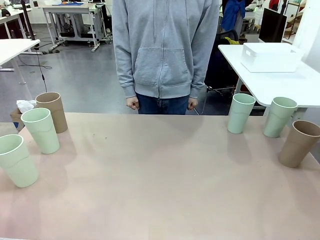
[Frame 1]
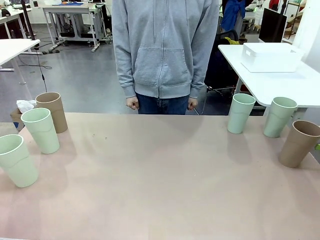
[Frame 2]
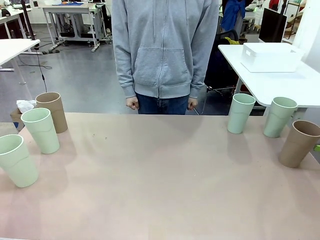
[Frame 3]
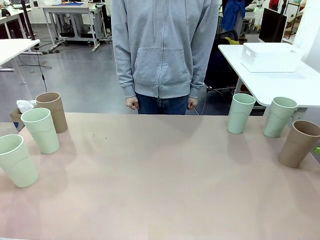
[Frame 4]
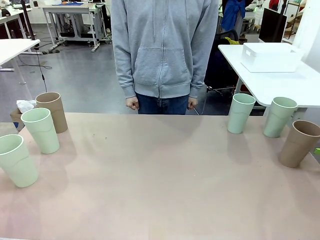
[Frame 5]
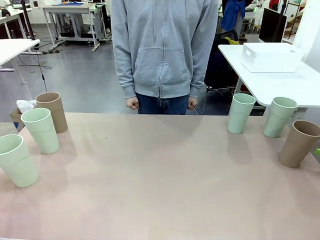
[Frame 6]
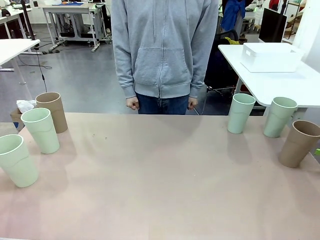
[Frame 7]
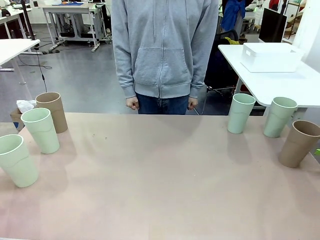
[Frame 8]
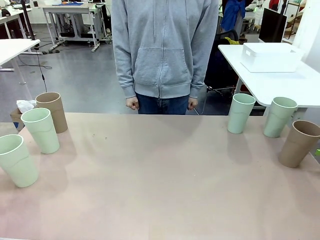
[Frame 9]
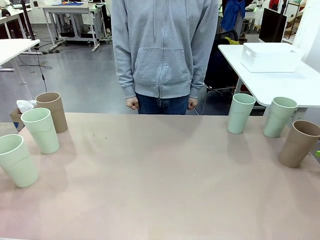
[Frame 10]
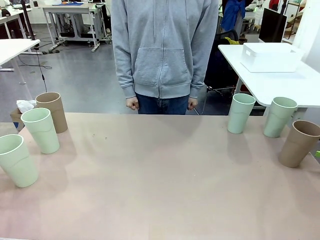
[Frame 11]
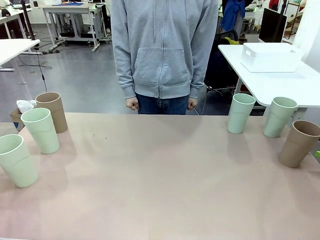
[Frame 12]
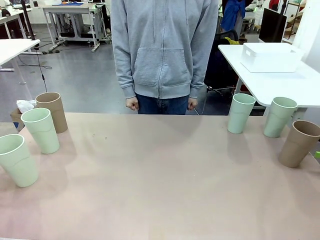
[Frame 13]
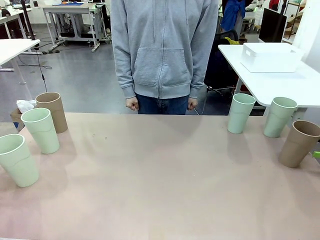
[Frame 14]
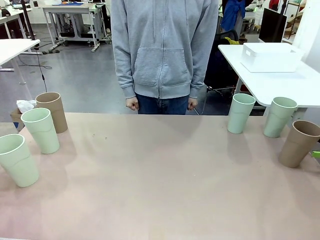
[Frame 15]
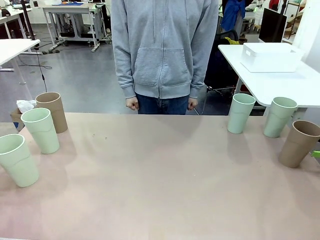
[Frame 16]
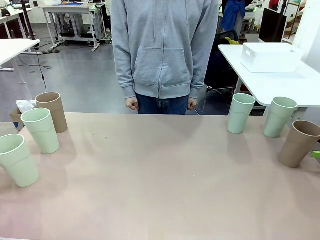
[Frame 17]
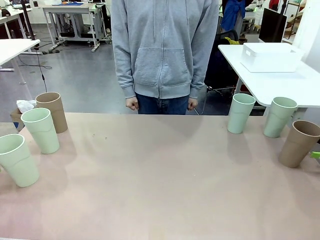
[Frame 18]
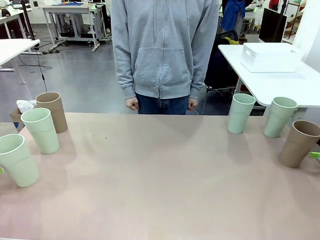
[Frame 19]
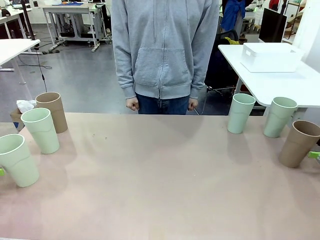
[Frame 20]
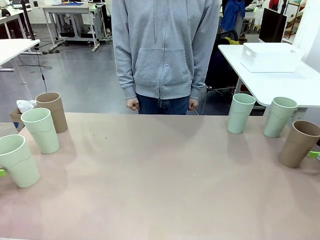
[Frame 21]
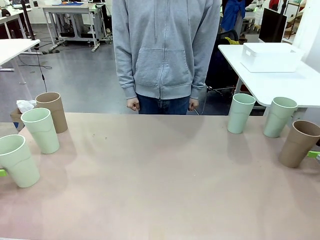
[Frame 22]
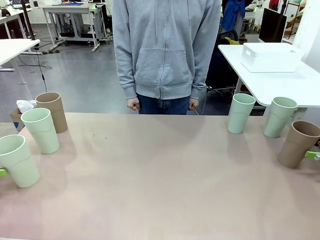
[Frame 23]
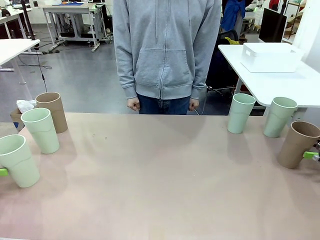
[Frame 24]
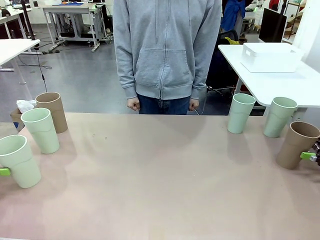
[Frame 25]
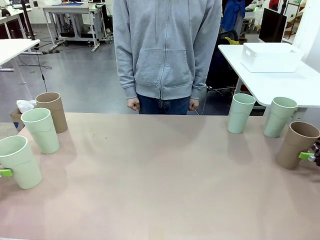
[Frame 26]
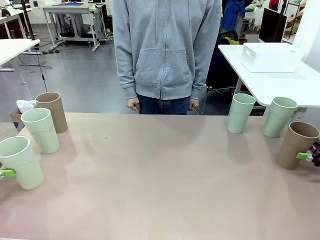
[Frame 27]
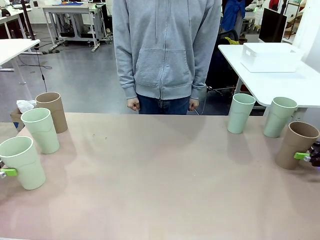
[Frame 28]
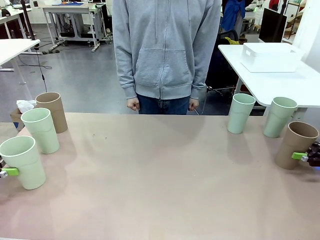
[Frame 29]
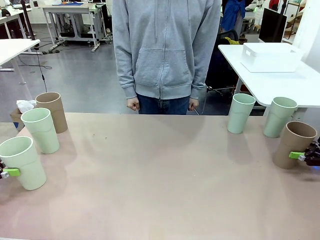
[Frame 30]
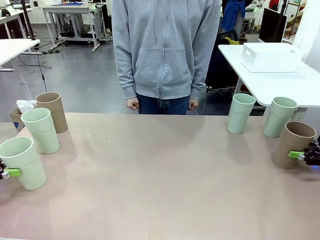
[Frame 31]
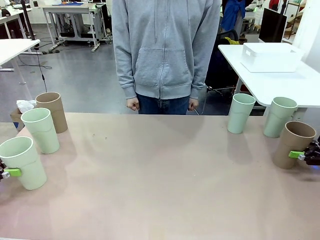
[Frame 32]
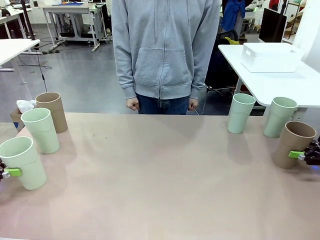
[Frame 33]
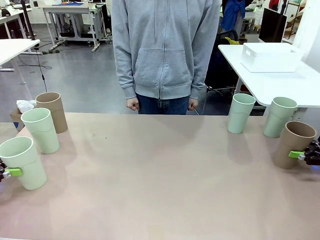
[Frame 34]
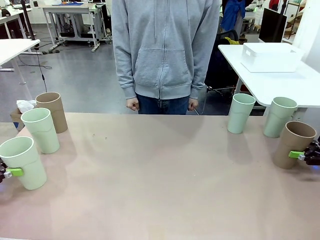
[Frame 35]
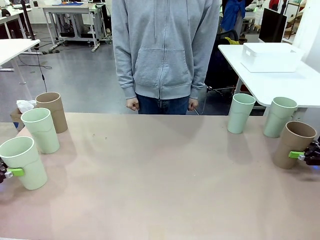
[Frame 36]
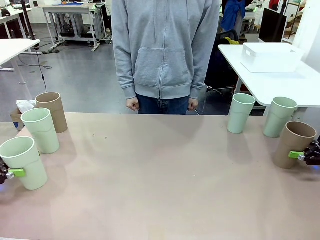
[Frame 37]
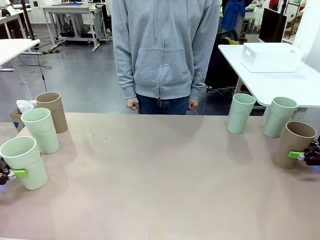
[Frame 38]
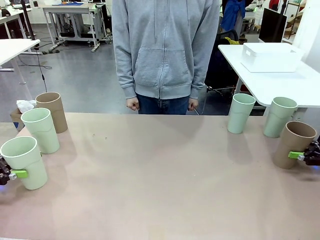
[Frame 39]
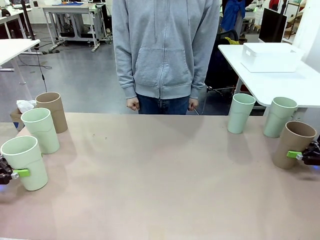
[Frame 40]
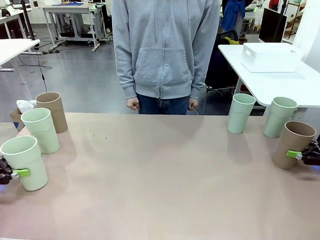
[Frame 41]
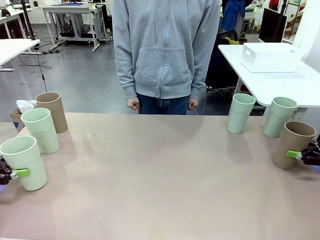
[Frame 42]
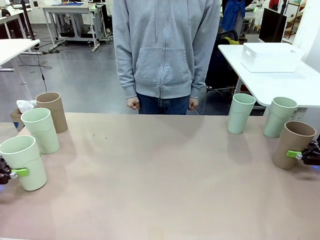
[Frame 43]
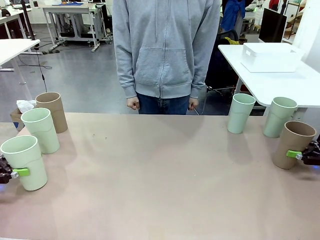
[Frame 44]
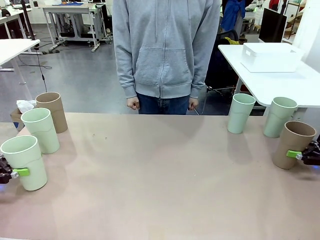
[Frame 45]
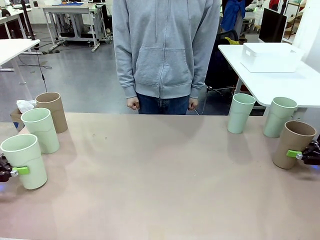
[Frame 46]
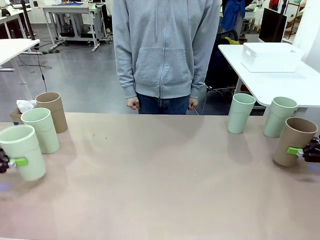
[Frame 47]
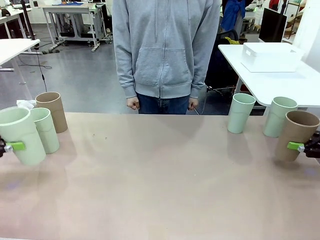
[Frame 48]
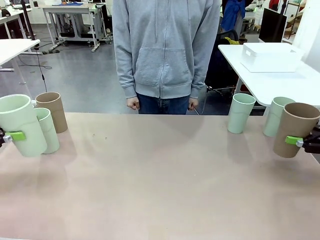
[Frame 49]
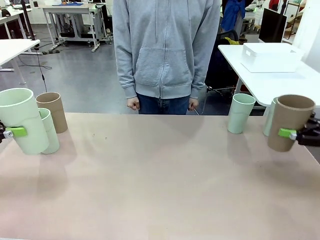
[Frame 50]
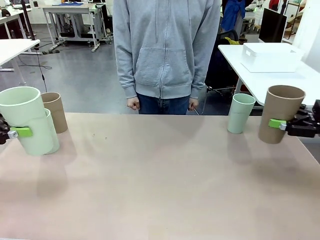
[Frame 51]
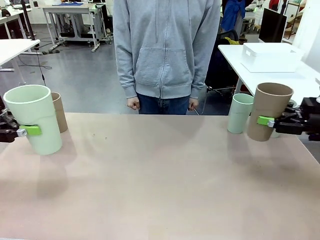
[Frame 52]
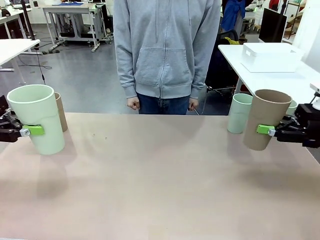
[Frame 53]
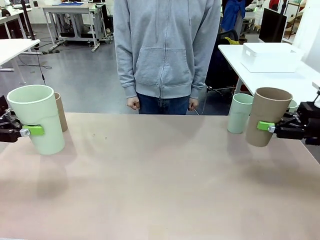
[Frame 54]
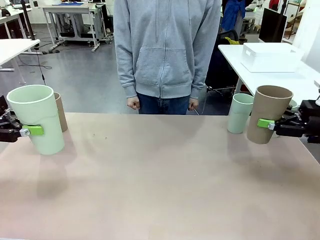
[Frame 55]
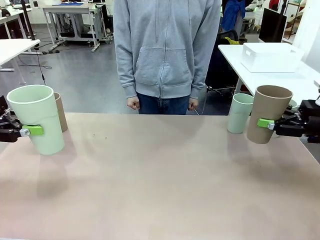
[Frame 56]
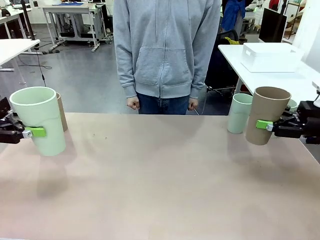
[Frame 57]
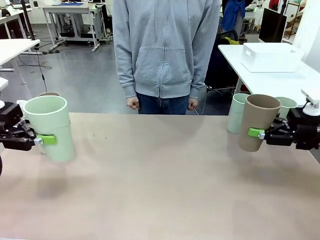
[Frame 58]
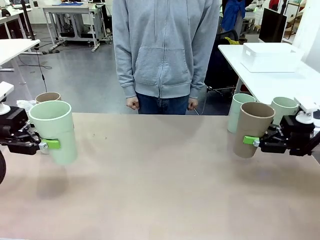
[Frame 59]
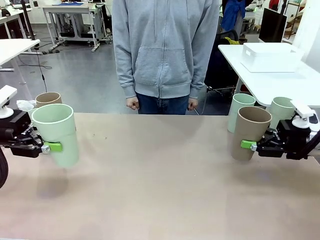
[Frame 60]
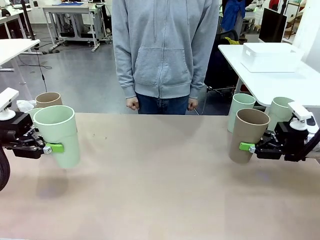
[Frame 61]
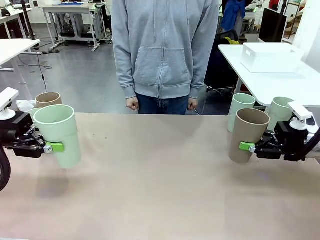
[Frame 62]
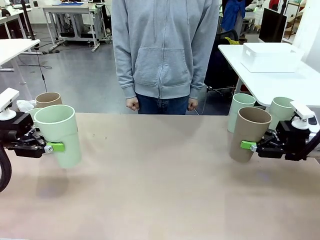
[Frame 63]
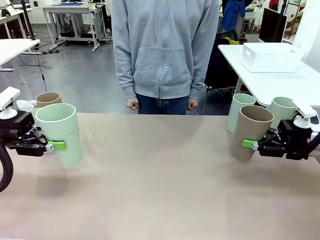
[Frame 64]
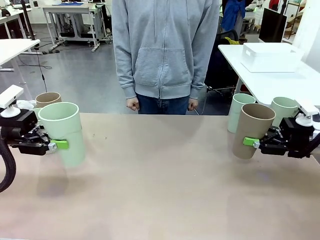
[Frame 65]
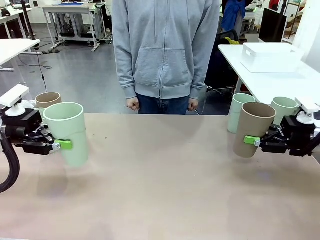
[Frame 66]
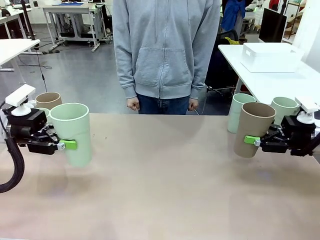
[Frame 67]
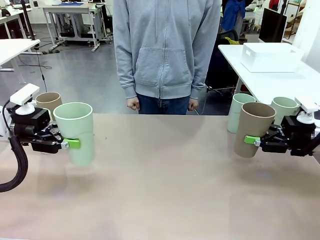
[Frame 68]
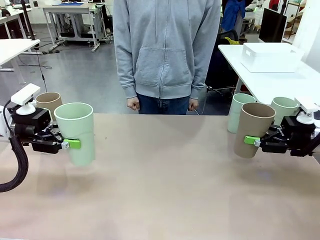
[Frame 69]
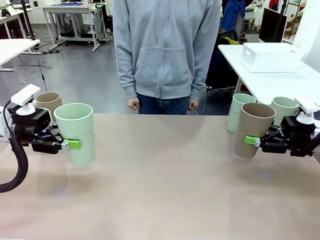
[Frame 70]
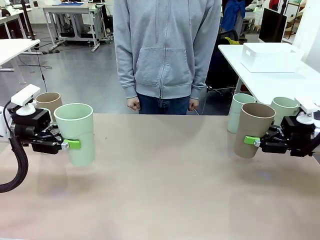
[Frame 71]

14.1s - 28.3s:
Task: Stack the cups and store them in the basket.
Robot: Pick up two Reusable plastic cups , one in each hand.

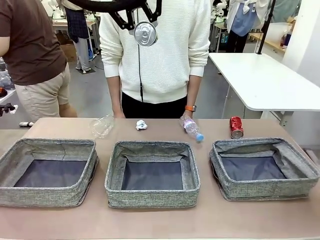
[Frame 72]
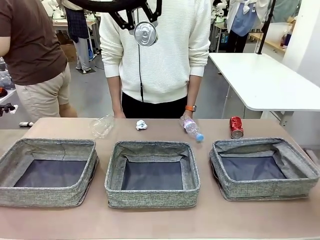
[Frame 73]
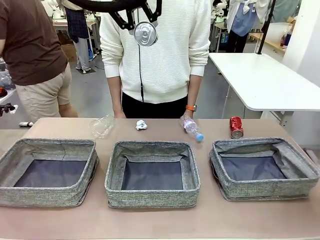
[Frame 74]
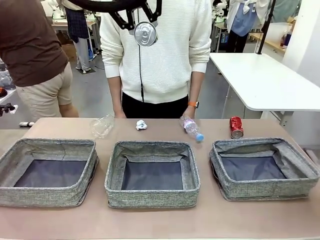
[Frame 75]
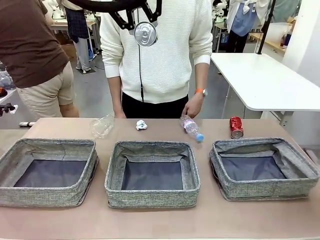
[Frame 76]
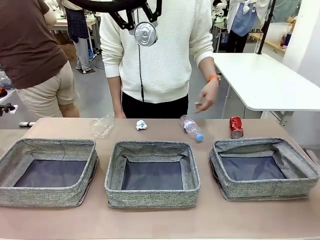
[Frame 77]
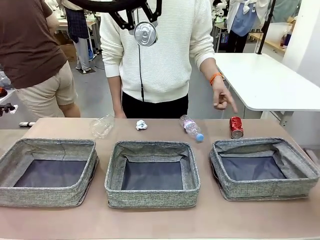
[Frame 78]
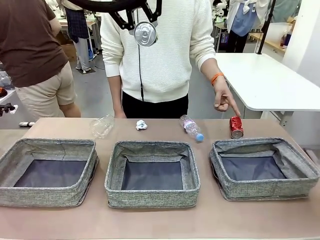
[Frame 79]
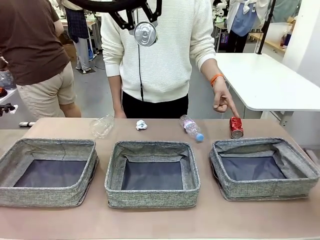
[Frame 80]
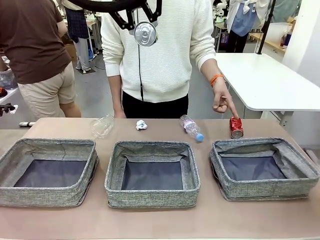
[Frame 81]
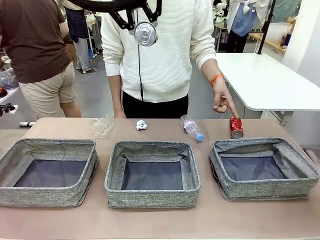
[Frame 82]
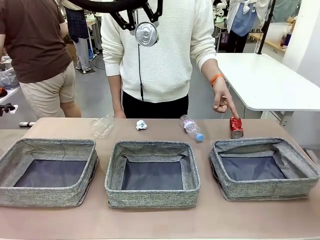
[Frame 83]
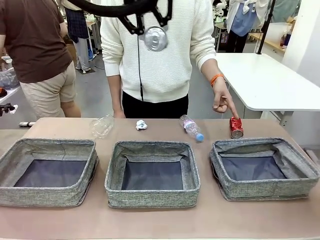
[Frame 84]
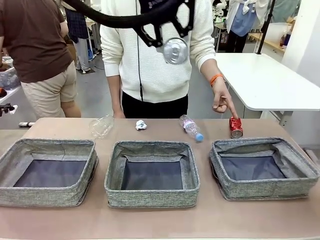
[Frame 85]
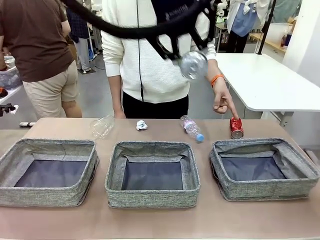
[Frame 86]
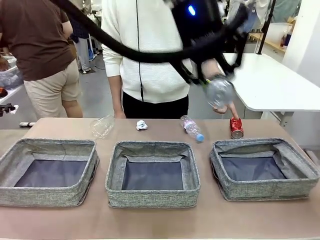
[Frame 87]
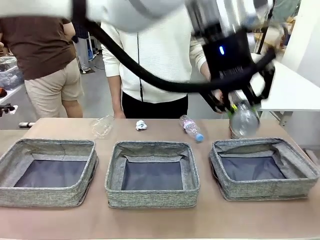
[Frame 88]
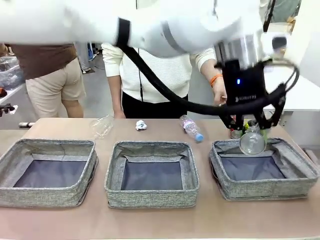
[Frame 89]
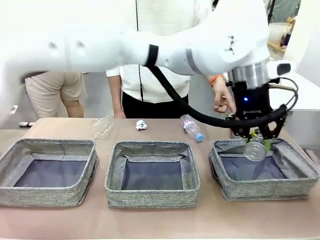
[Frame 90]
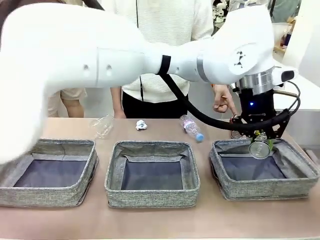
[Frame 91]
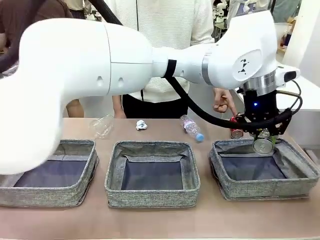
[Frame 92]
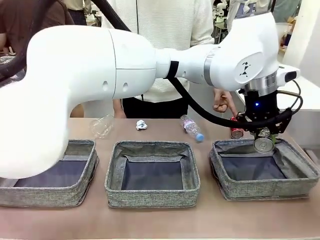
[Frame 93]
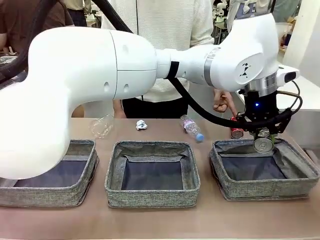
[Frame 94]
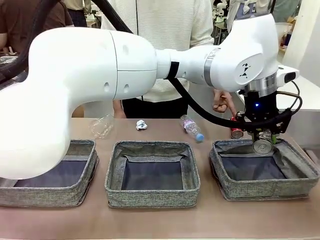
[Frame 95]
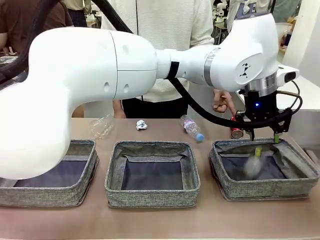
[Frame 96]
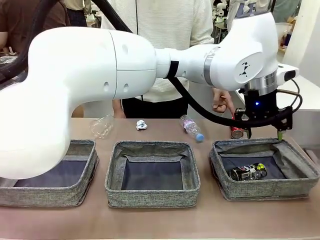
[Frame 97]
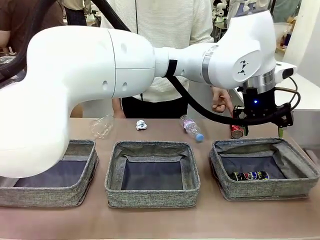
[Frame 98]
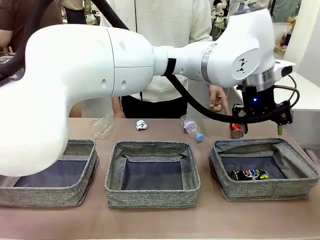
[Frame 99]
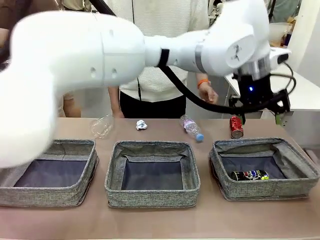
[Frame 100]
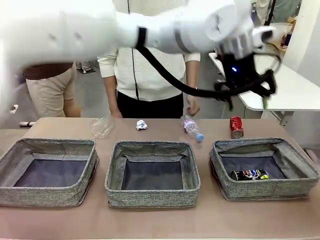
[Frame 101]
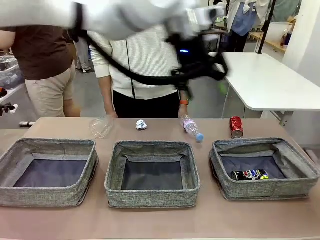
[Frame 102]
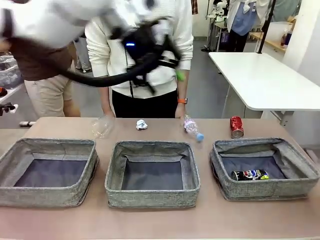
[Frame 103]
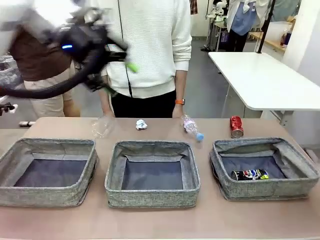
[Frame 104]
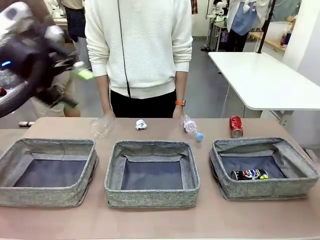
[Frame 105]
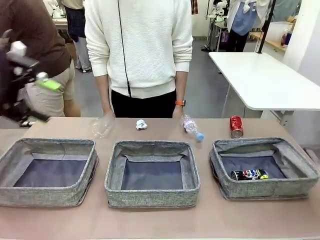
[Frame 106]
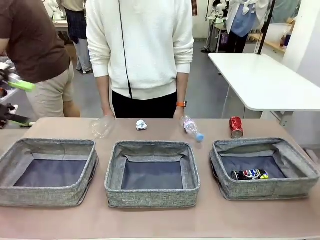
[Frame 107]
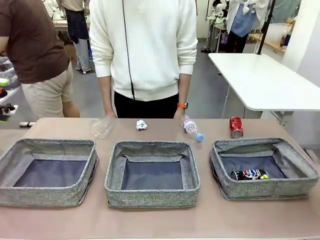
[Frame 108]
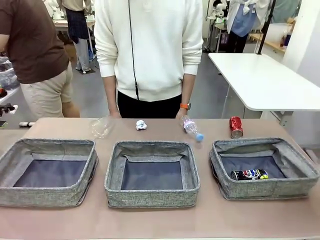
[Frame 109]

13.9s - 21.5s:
Task: Sort the waste into the appropriate baskets.
Robot: Place the picked waste into the Fabric basket indicated by the person.
Person: Instructs the robot to place the picked-up trash into the appropriate organizing basket.
